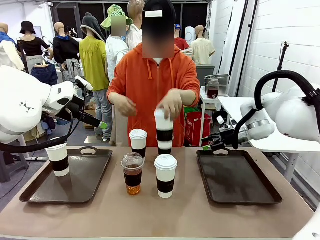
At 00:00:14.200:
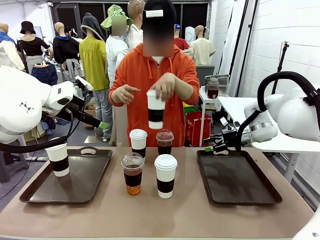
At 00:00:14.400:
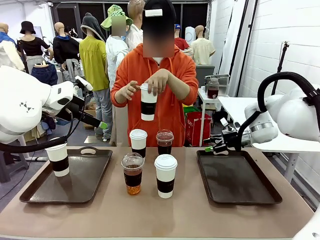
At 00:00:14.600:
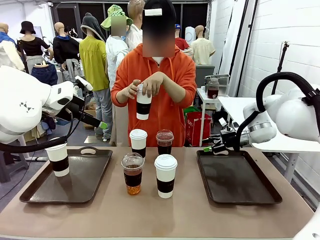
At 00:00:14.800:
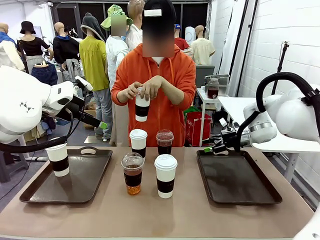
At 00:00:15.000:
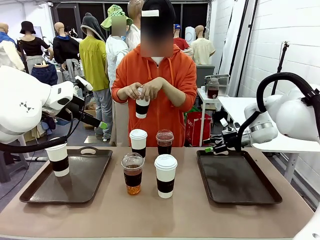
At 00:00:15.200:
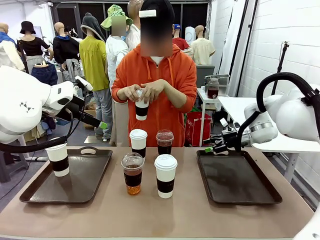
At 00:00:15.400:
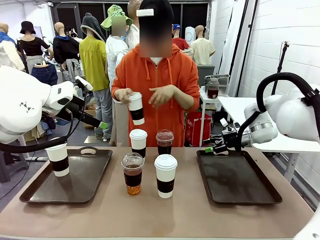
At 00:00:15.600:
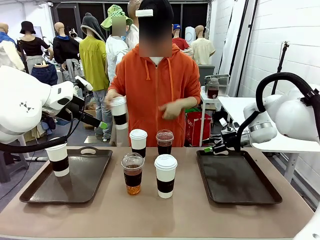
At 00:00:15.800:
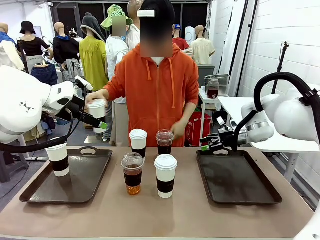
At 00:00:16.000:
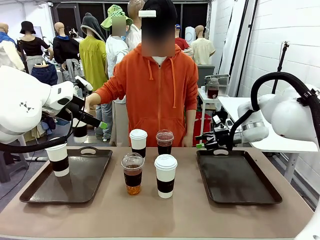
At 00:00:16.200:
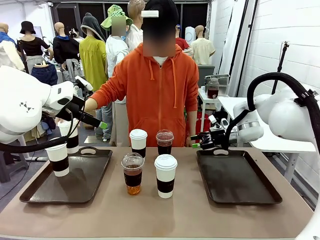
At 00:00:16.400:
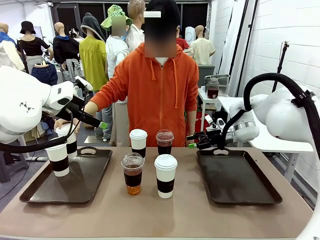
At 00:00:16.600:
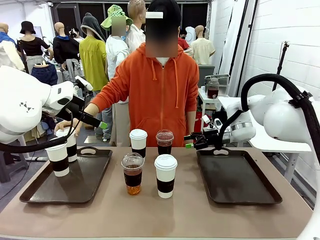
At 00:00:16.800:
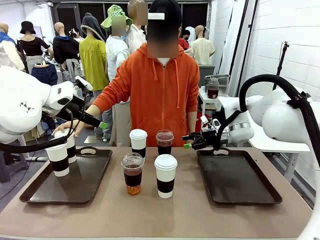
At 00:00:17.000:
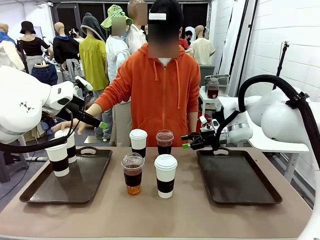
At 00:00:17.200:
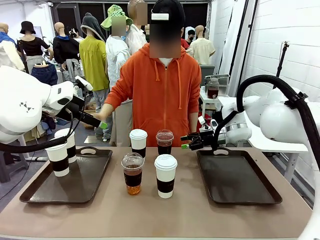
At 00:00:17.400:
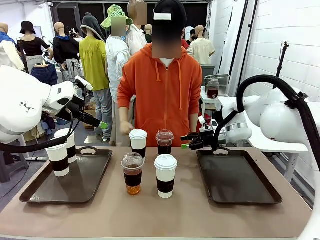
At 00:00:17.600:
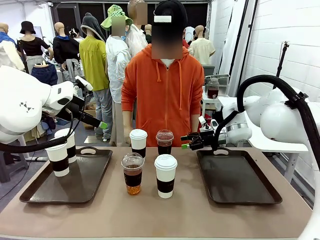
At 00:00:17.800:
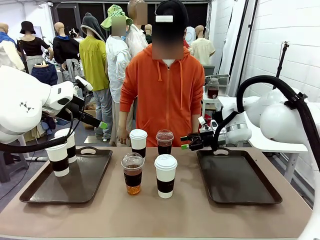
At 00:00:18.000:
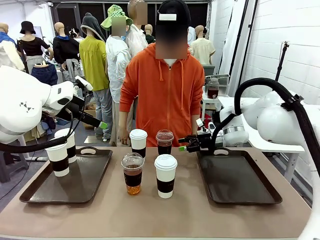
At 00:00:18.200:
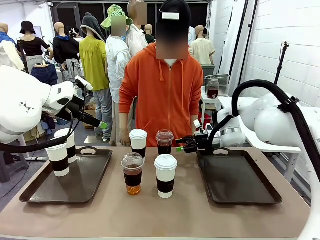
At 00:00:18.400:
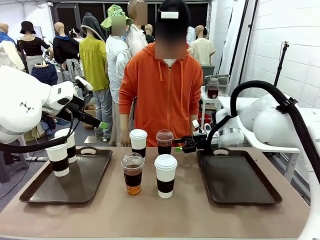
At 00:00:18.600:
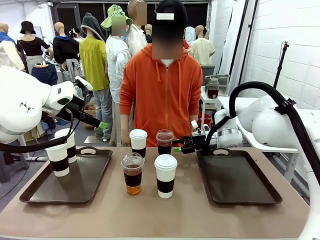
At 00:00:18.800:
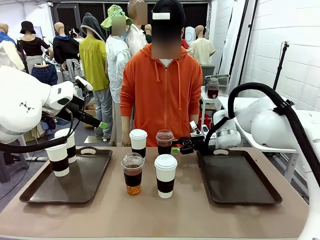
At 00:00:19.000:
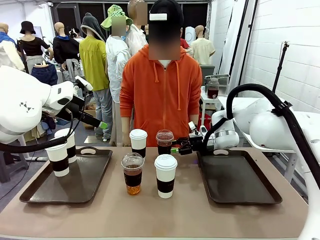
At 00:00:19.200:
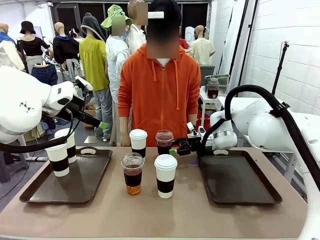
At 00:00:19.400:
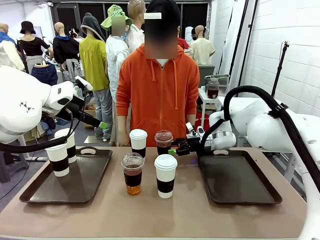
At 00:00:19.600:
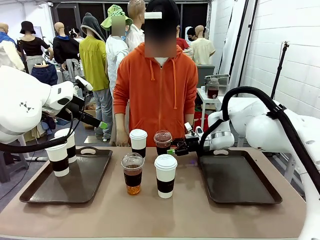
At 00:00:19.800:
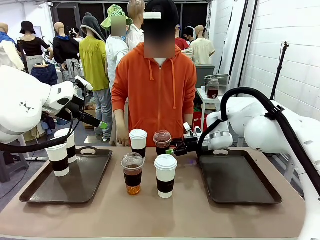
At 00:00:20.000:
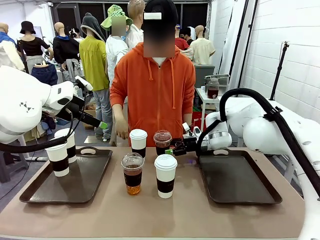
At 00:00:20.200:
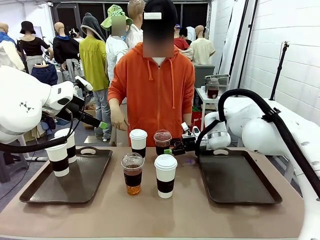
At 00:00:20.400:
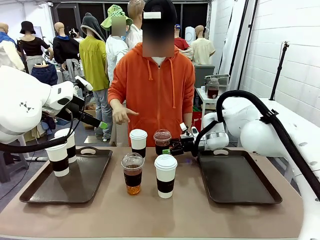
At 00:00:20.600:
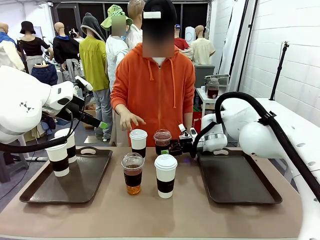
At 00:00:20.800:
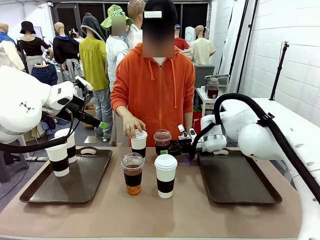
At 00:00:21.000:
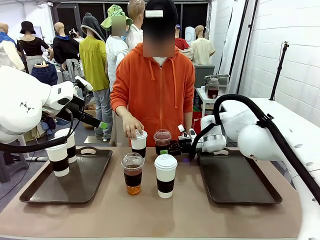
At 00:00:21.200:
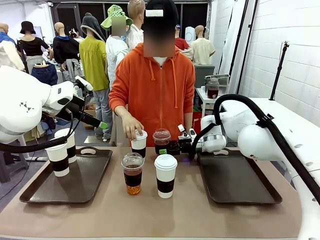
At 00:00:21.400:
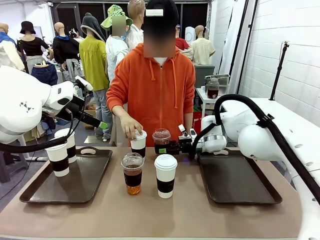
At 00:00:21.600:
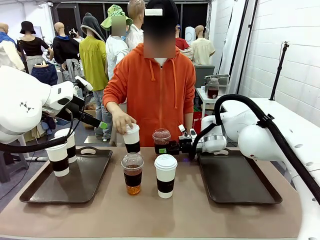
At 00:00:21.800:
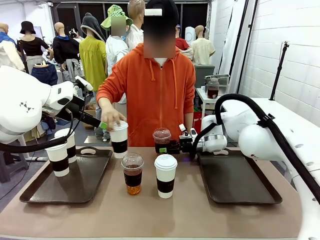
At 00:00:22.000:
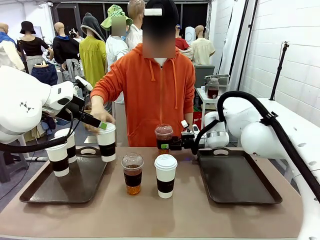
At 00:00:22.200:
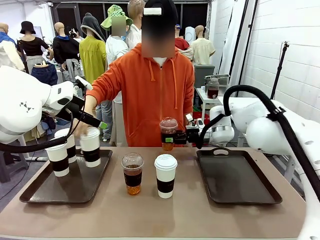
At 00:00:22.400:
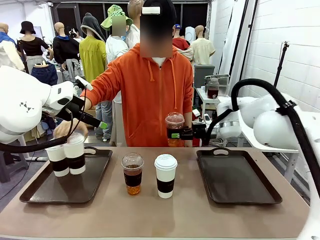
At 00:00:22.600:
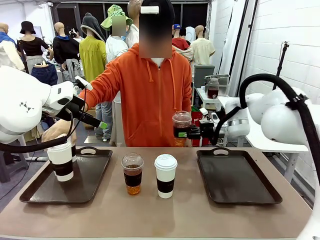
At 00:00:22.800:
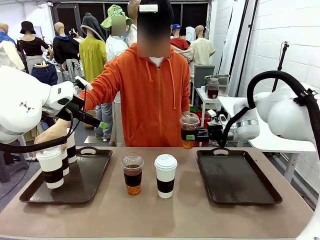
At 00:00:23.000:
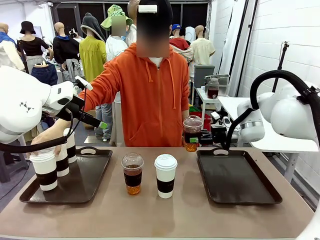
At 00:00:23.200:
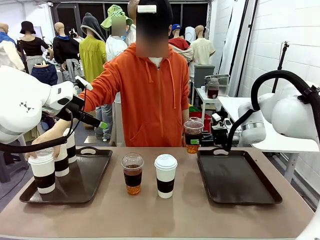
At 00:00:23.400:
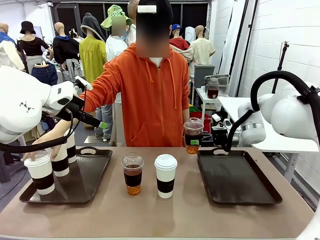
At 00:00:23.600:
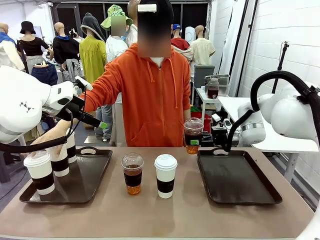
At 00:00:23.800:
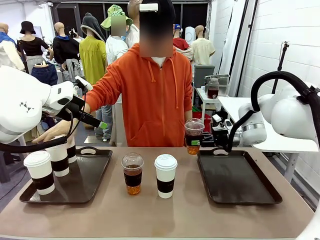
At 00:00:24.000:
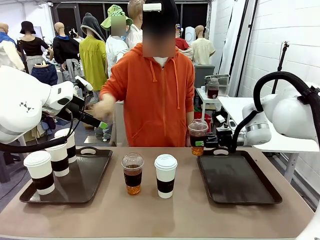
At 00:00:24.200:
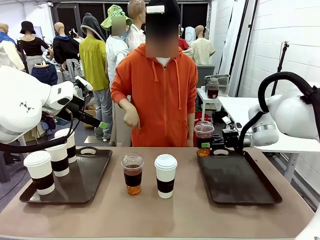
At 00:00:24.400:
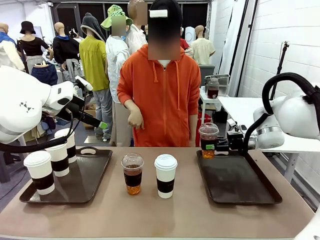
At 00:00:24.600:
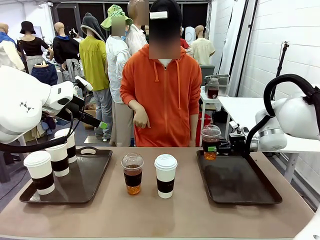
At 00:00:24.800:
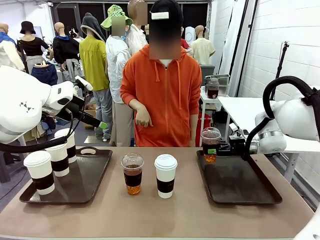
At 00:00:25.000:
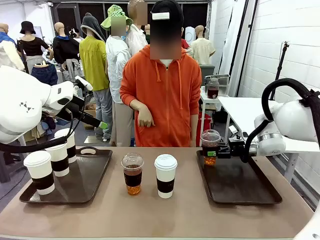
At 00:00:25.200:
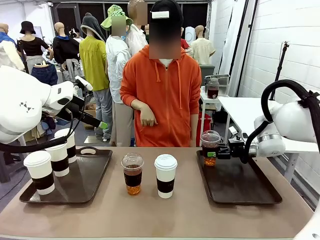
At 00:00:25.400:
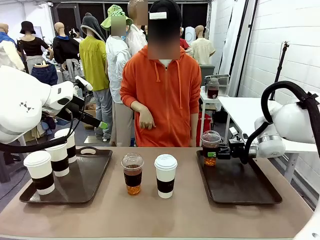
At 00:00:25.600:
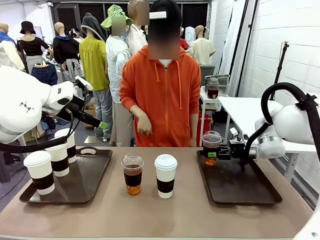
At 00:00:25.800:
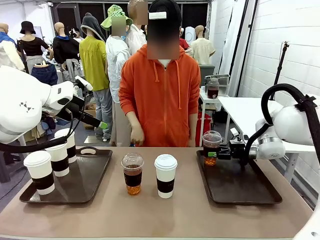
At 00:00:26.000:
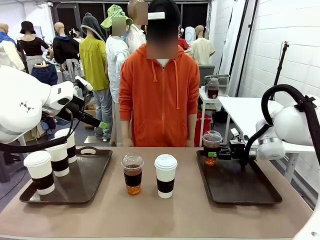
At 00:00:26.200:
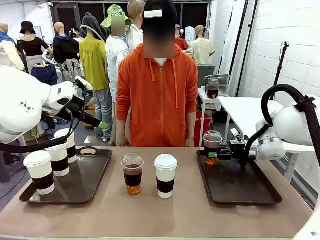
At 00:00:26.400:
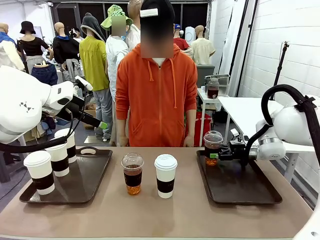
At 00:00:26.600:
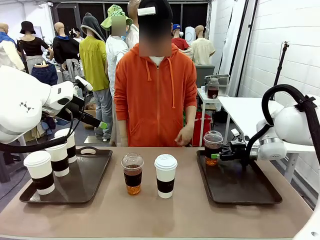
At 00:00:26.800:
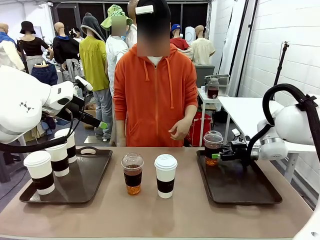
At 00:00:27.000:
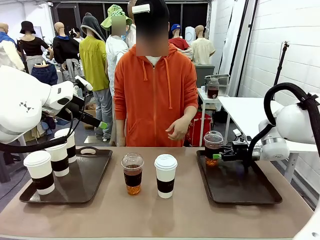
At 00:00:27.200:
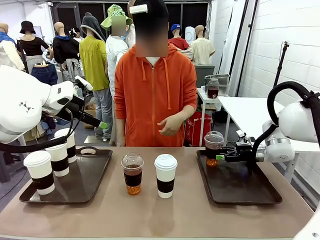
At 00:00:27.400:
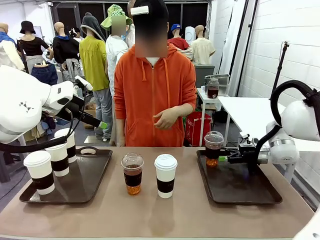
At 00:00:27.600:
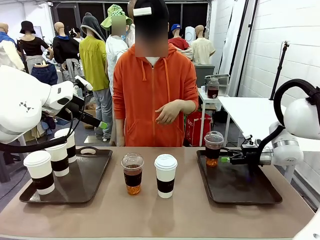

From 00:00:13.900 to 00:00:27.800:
Task: Distribute the coffee onto the tray.
Robot: Pick up one iced Americano and place it on the right Handle tray.
